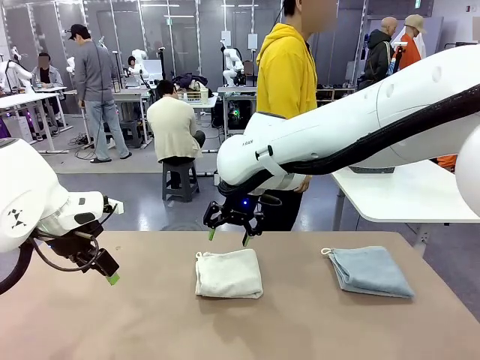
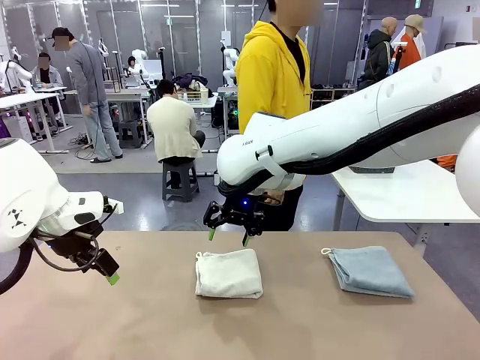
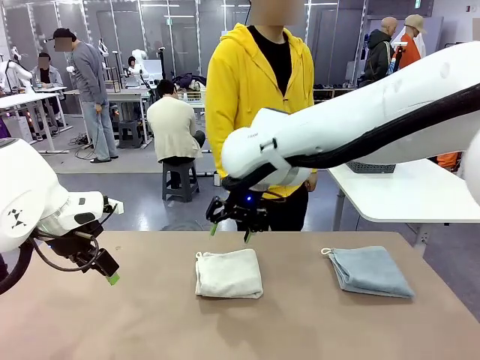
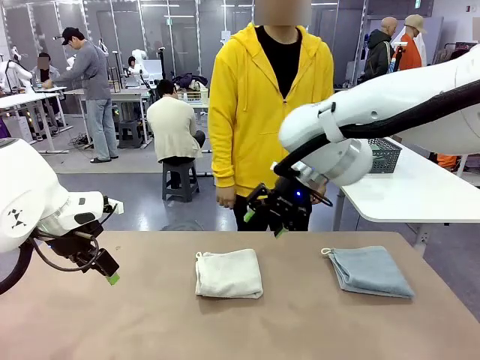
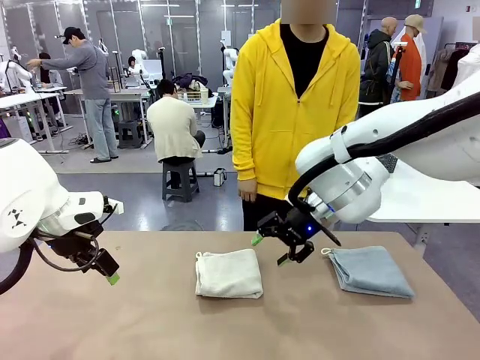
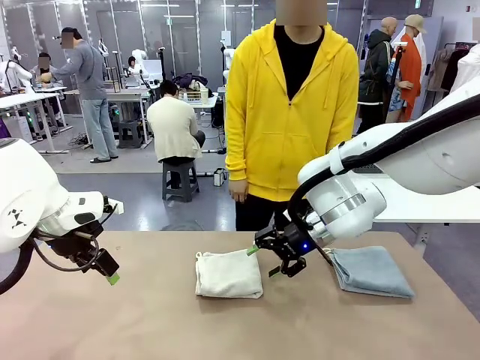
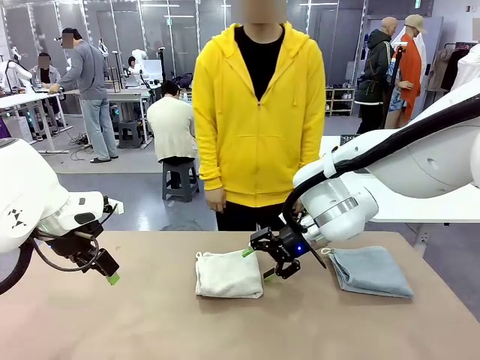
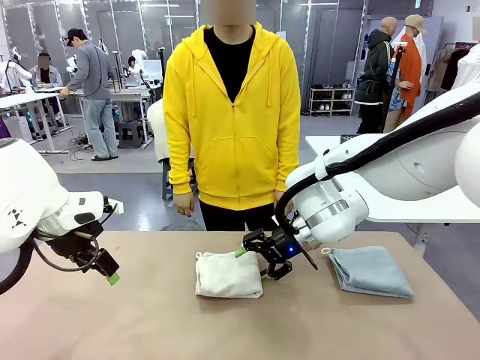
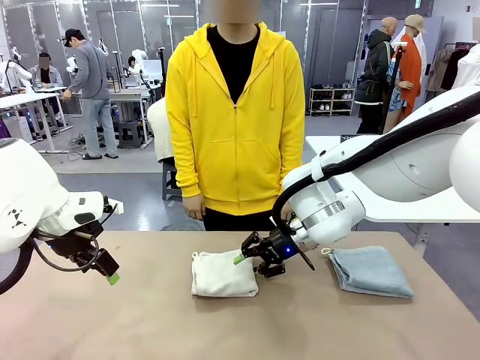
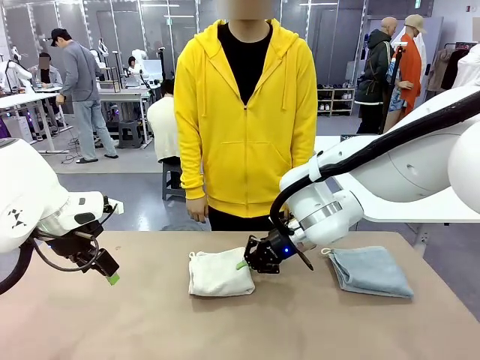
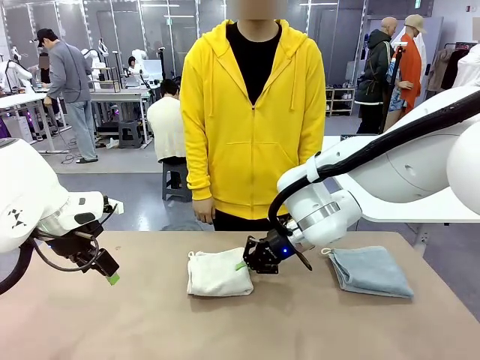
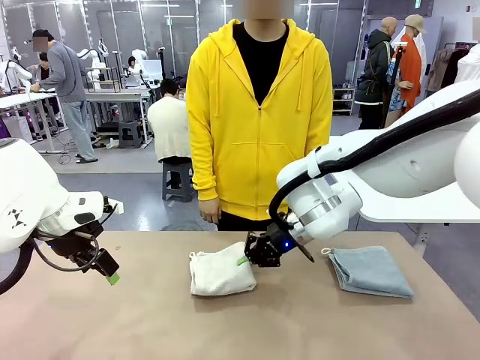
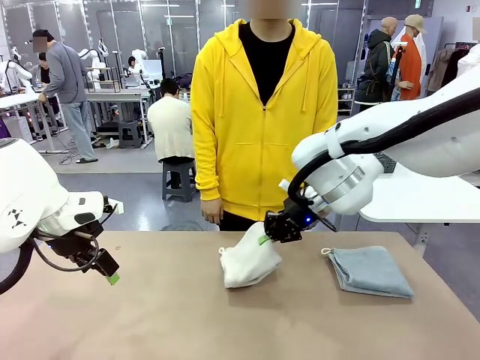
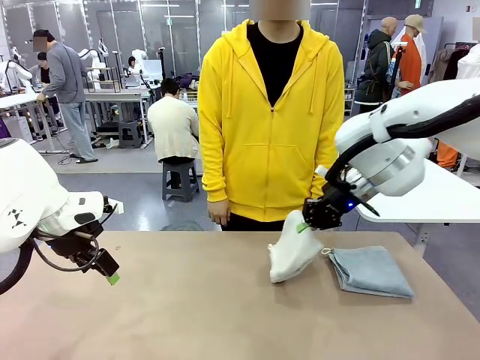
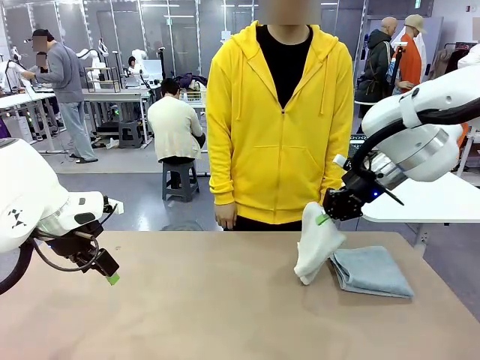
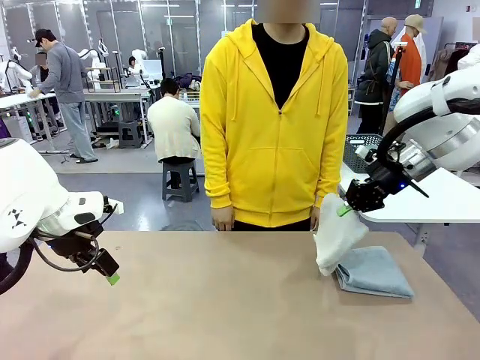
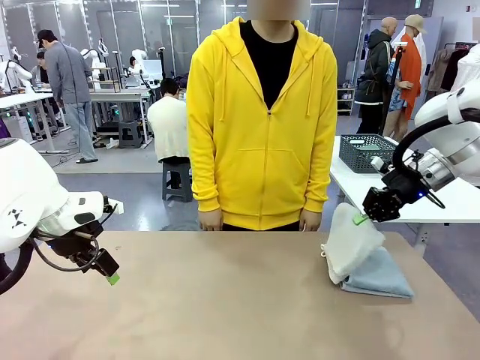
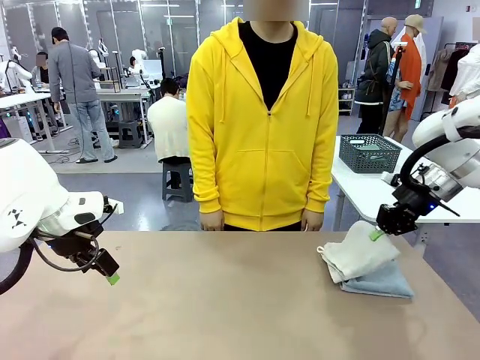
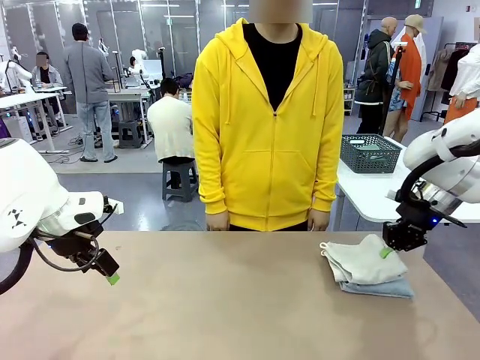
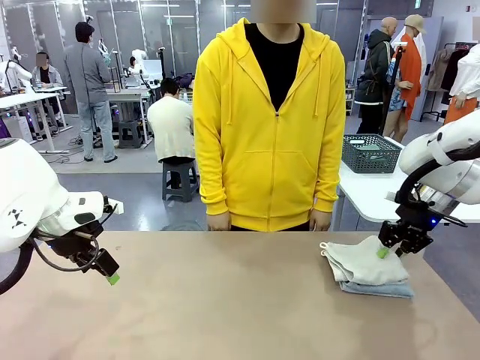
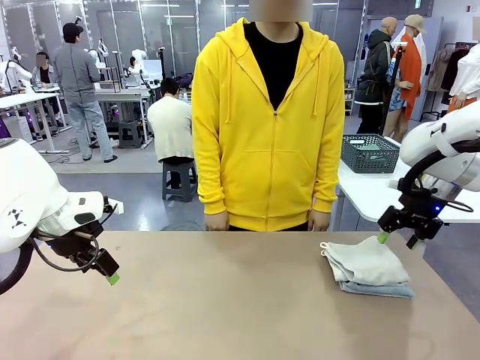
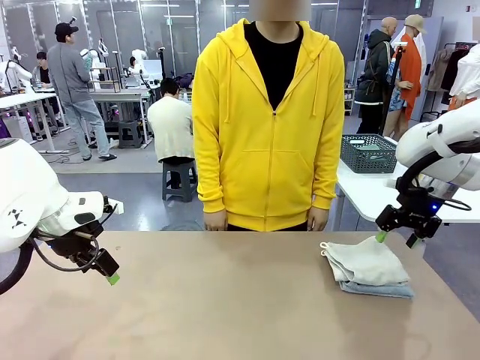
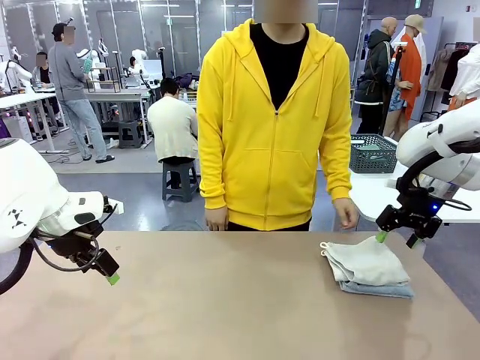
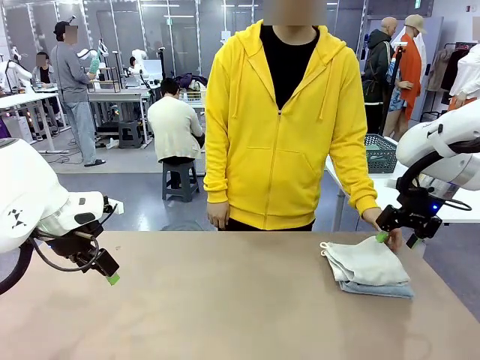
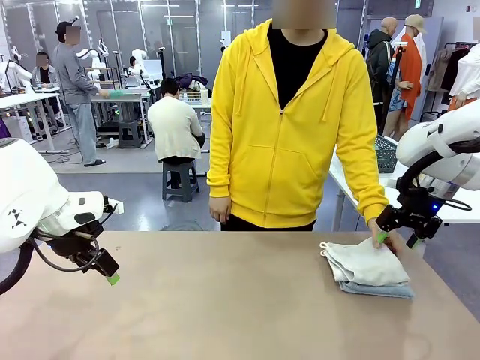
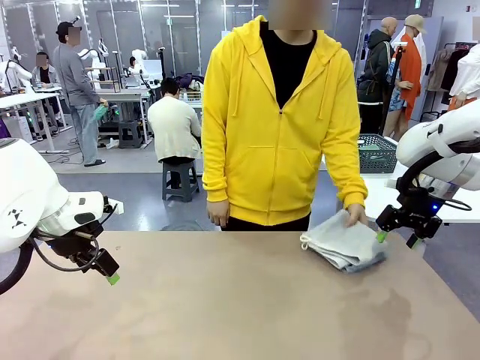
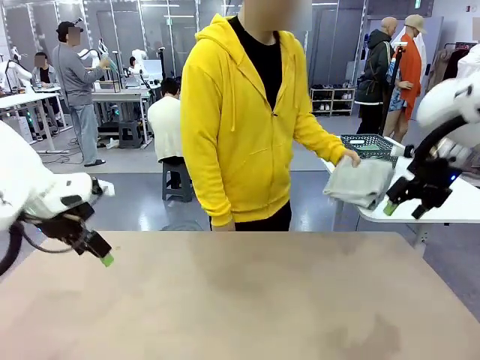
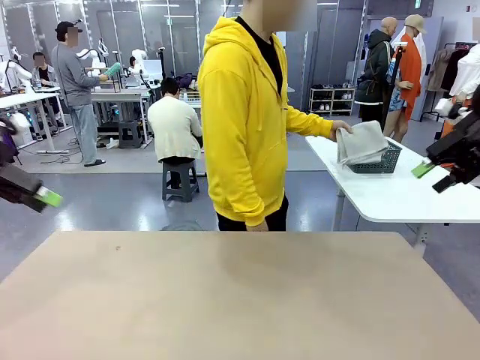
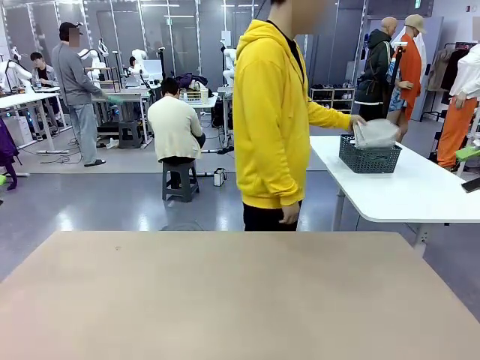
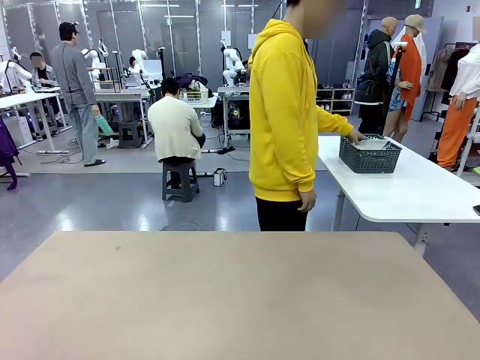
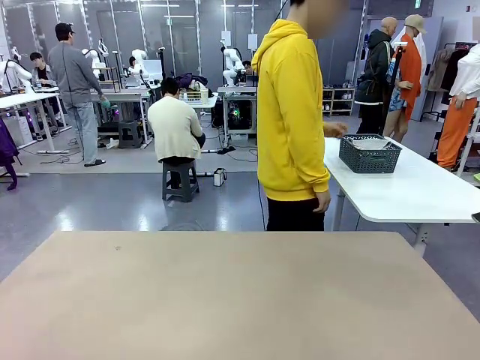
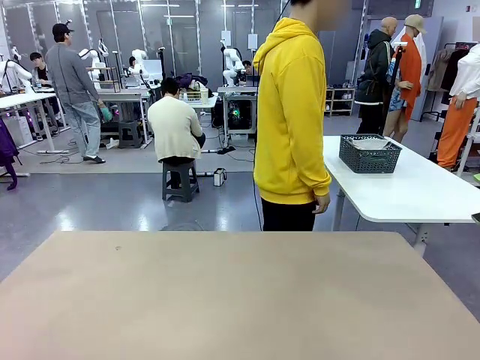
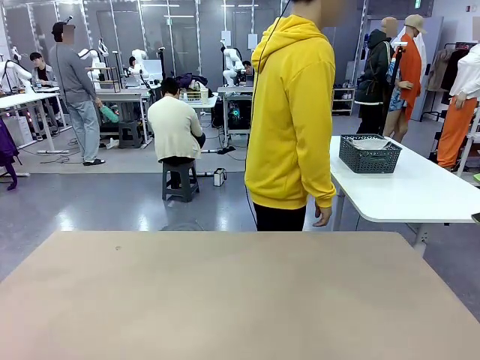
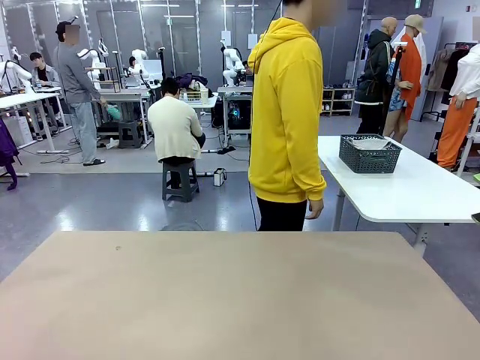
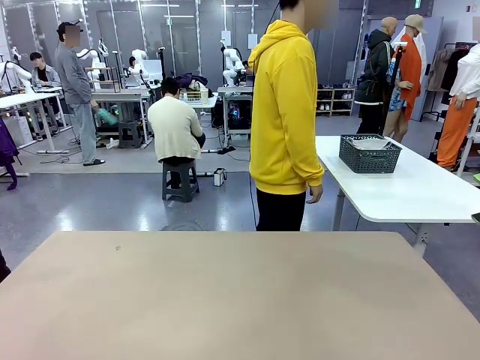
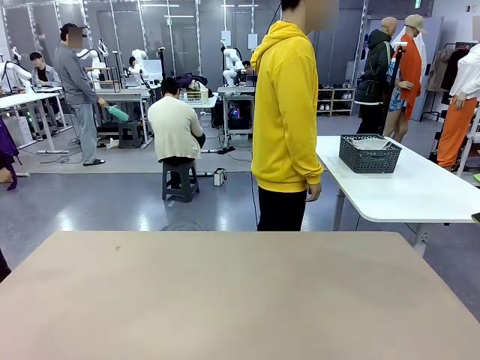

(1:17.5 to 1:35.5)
Task: Fold the towels and place them in the basket.
Robot: Stack the folded Towel with hook on the right side of the table.
Person: Pick up the stack of towels from the robot table and place it into the basket.

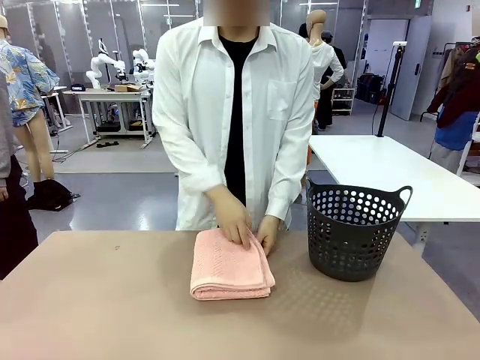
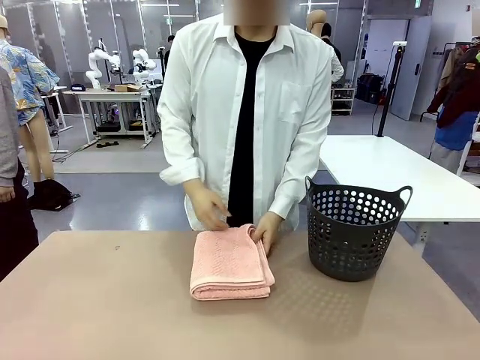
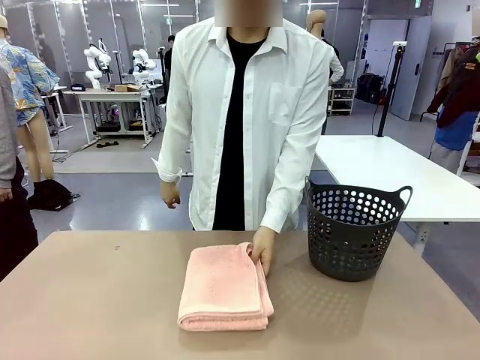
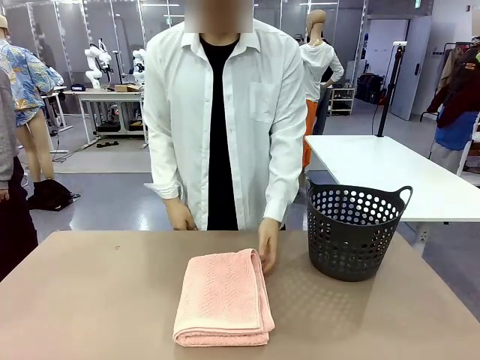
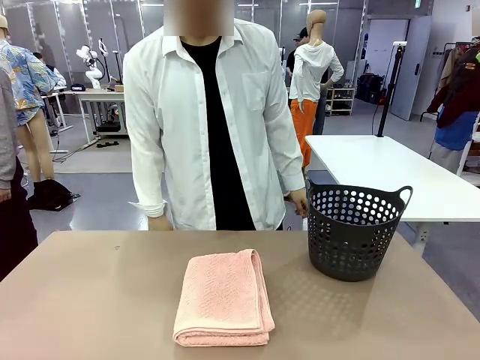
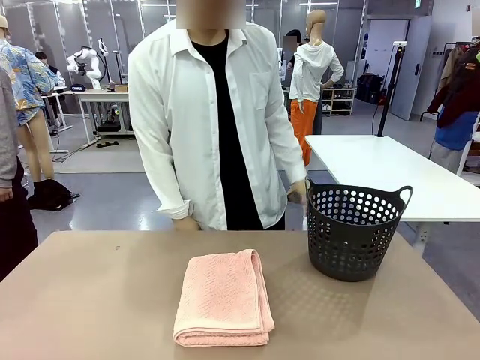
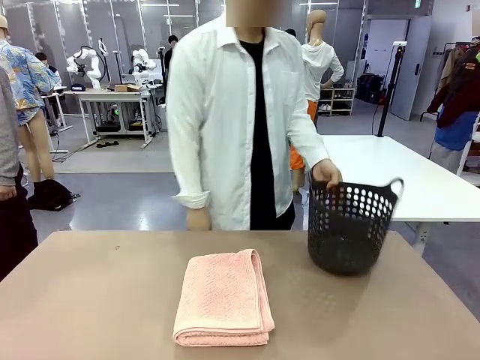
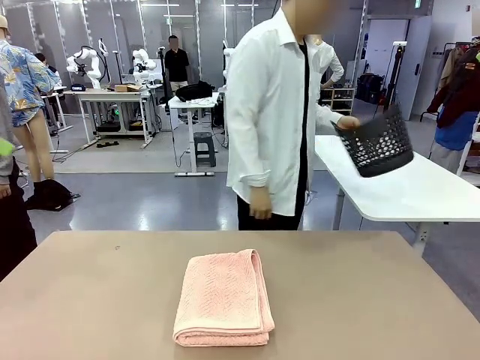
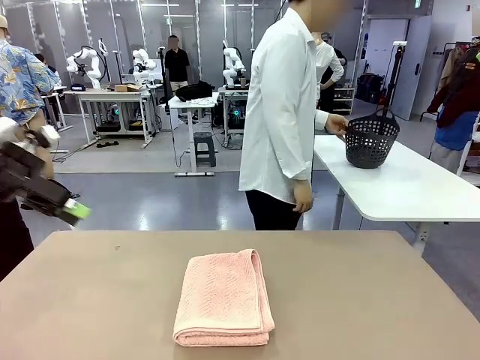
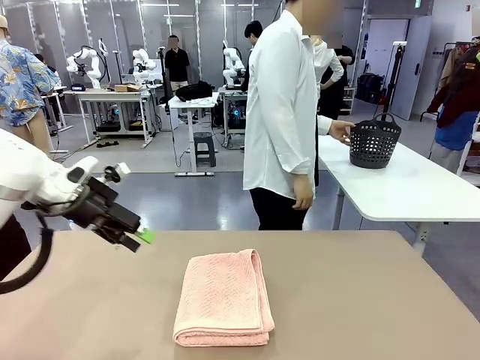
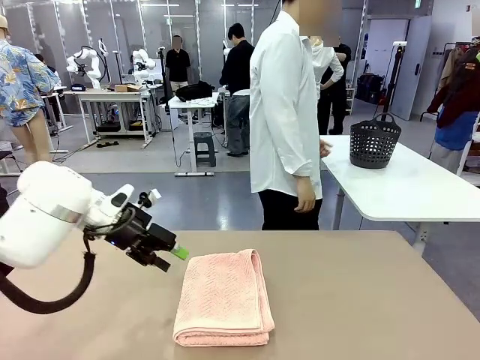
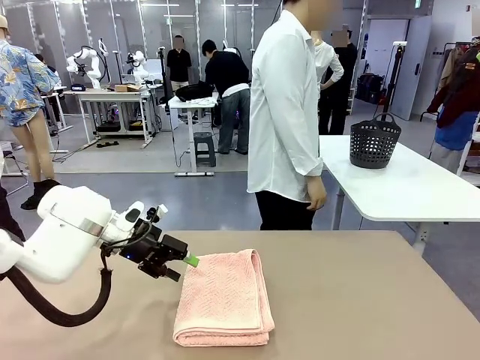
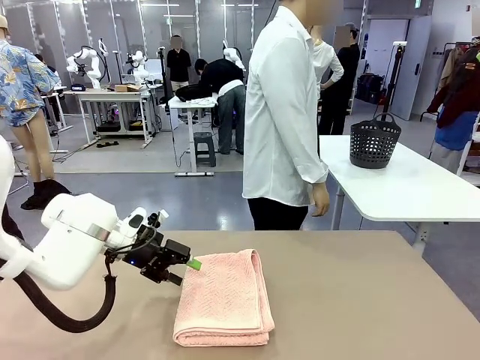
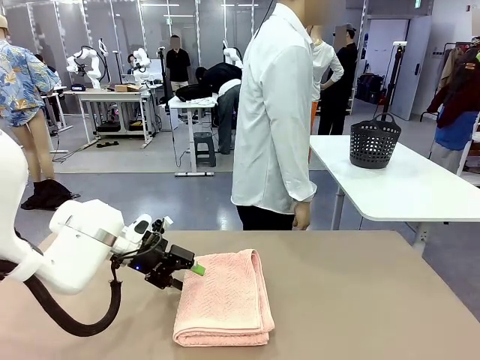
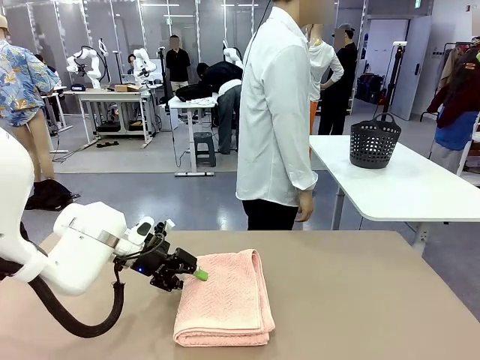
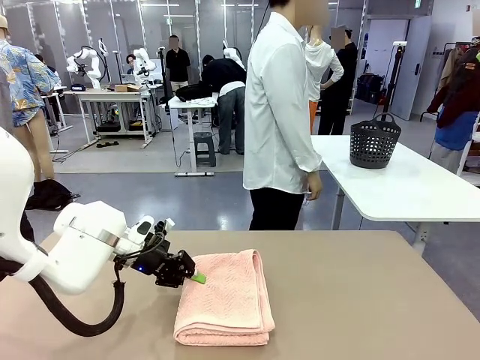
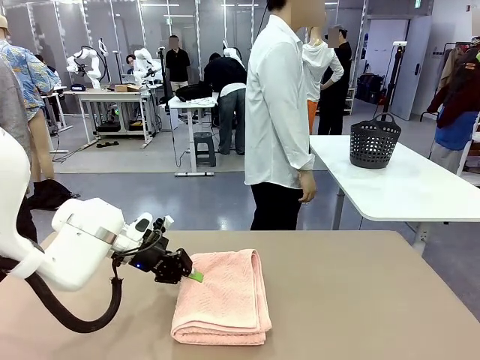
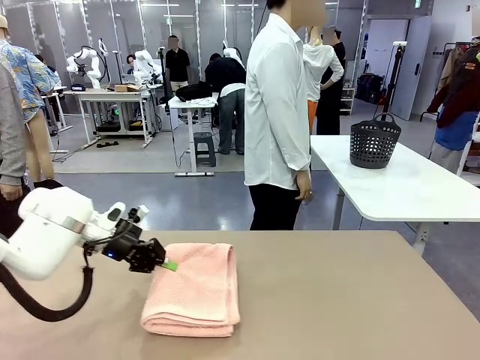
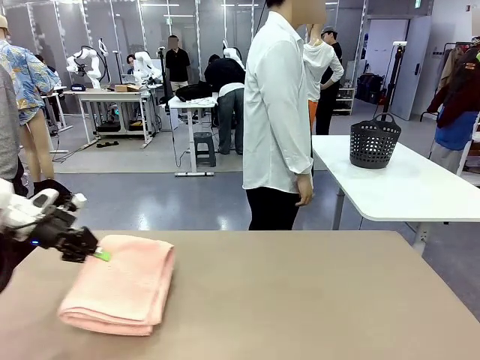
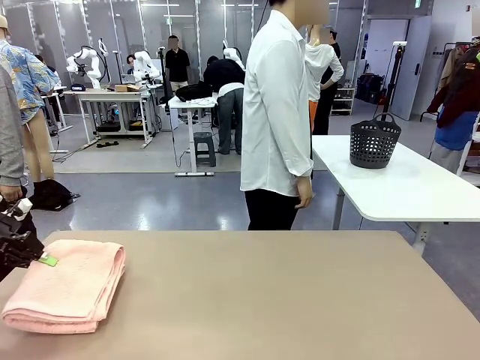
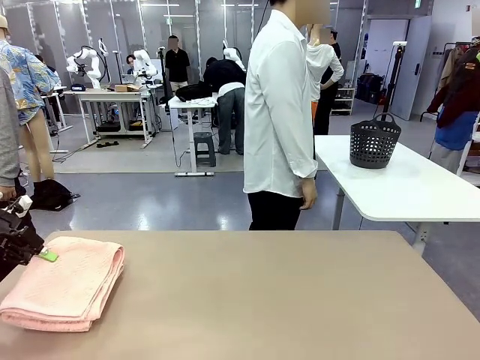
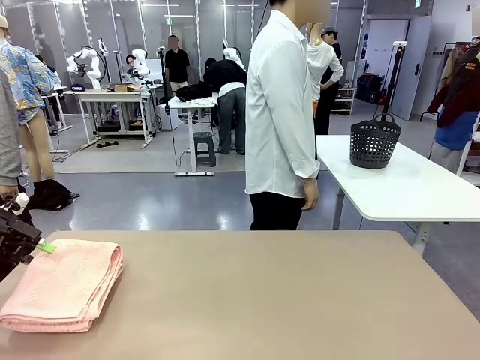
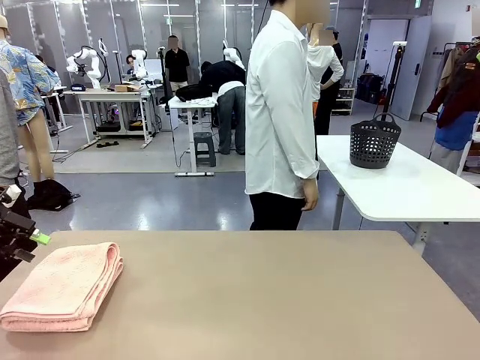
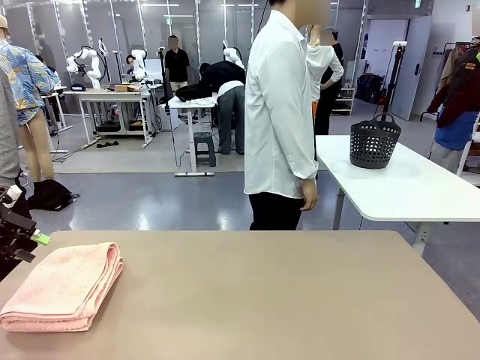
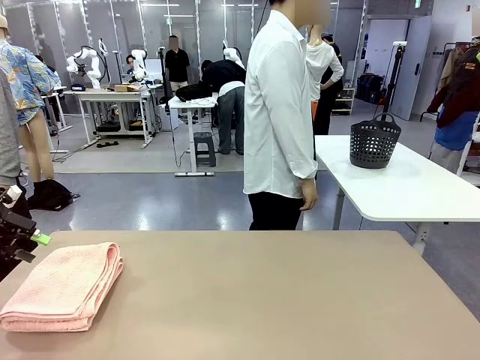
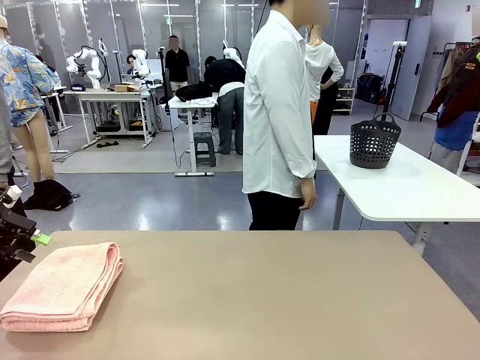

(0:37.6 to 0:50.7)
Task: Fold the towel.
Robot: Pick up the 100 cm Hotel Towel and place it on the left side of the table.
Person: Pick up the laundry basket and place it at the center of the human table.
